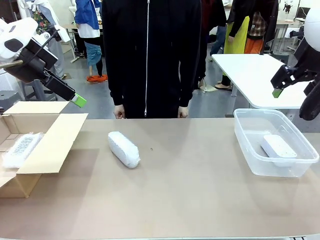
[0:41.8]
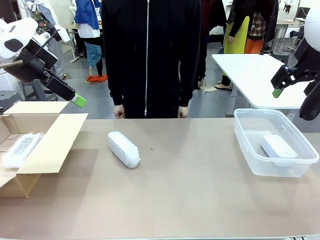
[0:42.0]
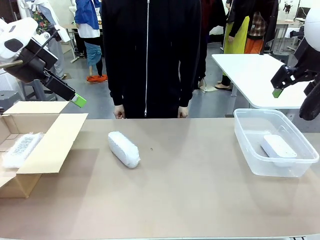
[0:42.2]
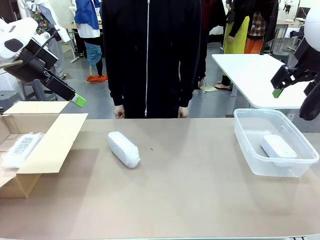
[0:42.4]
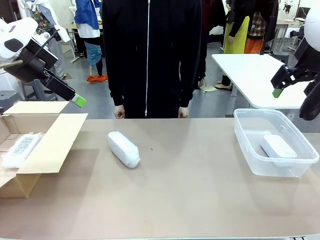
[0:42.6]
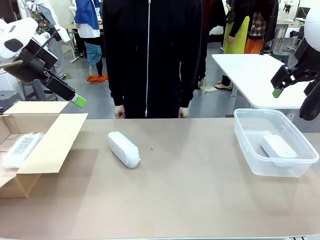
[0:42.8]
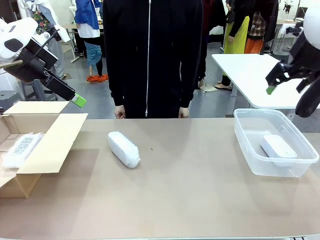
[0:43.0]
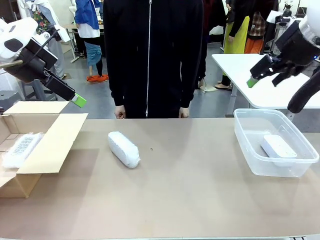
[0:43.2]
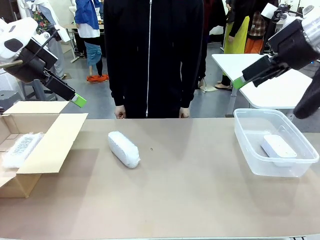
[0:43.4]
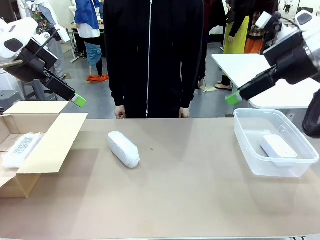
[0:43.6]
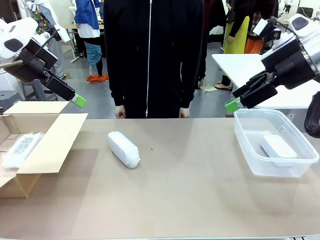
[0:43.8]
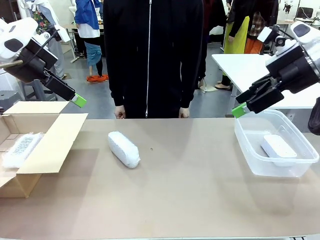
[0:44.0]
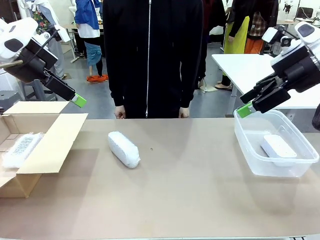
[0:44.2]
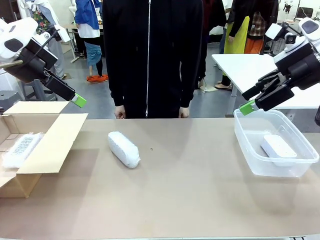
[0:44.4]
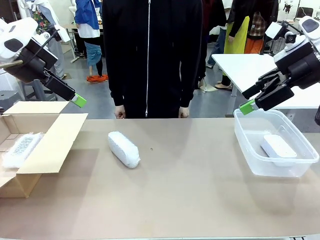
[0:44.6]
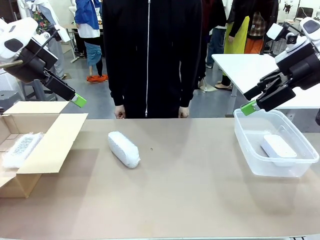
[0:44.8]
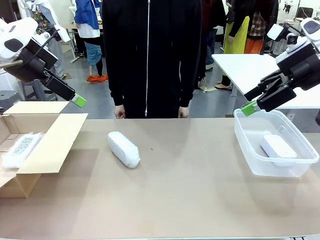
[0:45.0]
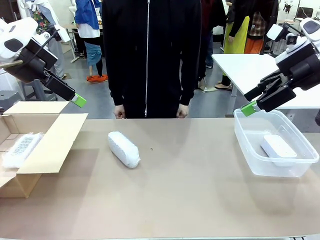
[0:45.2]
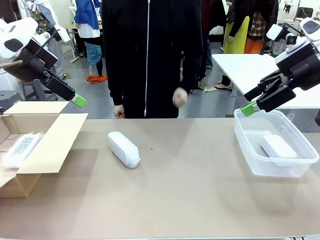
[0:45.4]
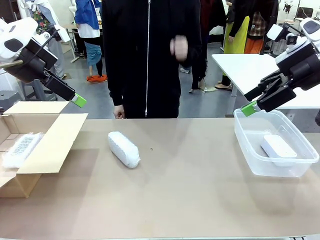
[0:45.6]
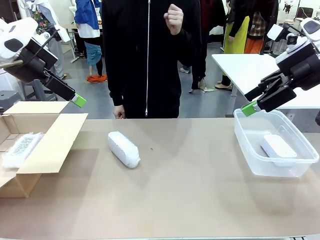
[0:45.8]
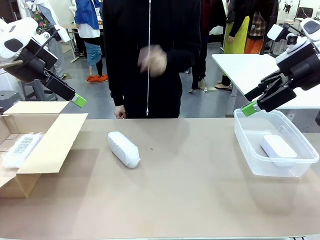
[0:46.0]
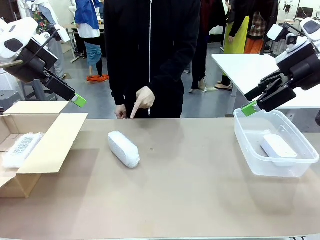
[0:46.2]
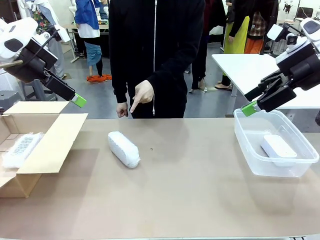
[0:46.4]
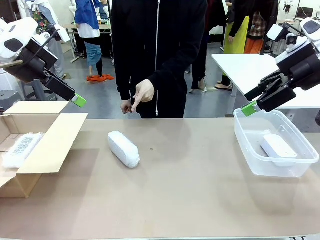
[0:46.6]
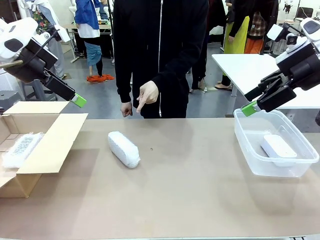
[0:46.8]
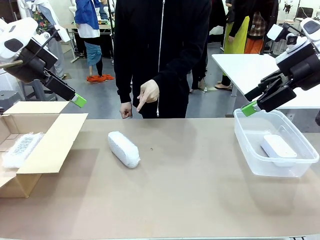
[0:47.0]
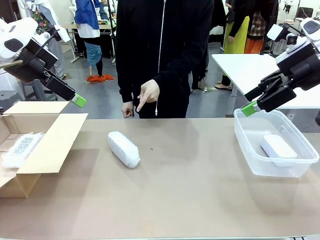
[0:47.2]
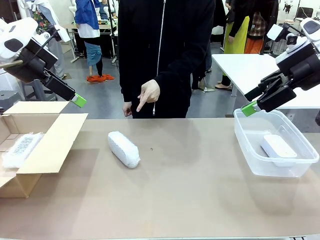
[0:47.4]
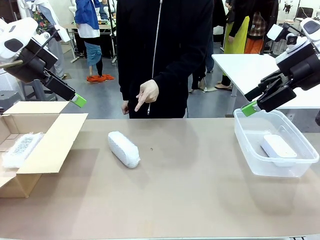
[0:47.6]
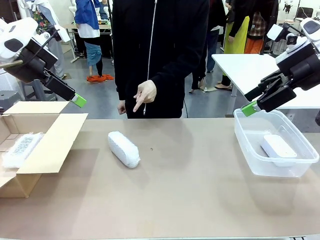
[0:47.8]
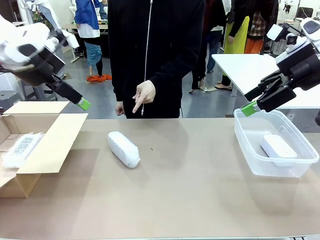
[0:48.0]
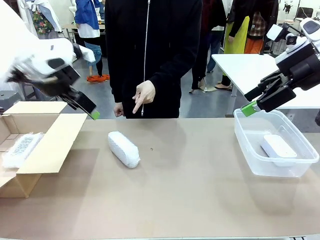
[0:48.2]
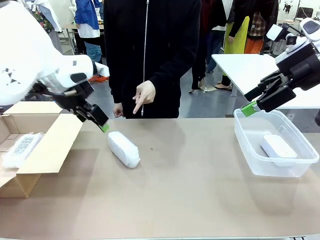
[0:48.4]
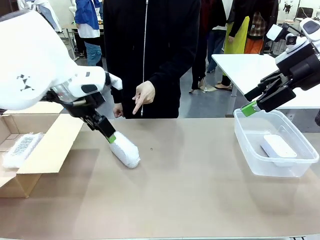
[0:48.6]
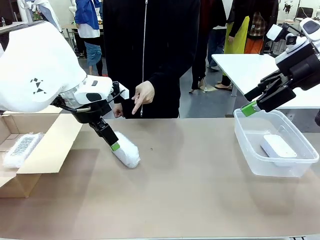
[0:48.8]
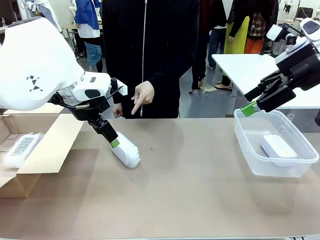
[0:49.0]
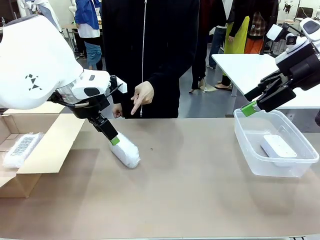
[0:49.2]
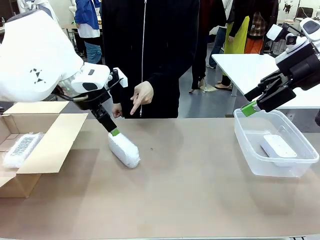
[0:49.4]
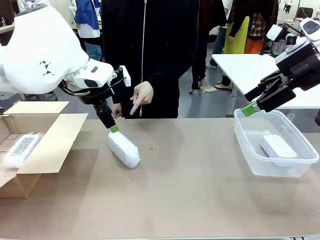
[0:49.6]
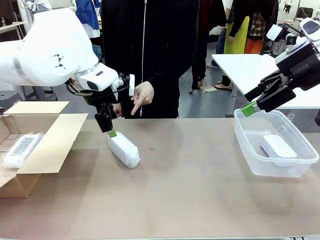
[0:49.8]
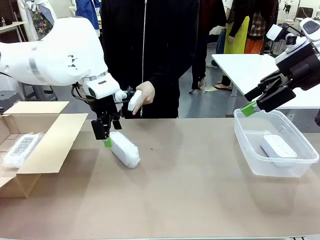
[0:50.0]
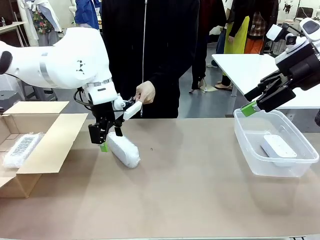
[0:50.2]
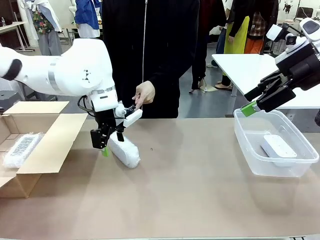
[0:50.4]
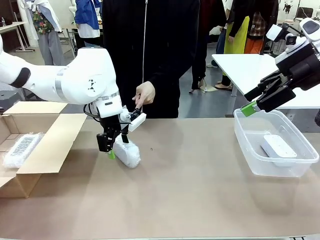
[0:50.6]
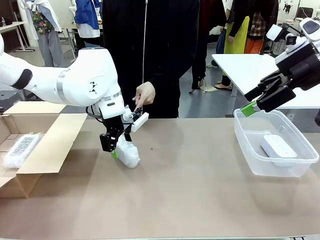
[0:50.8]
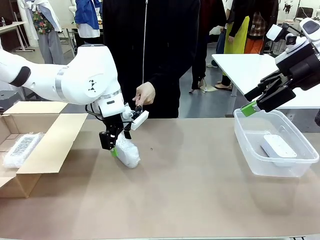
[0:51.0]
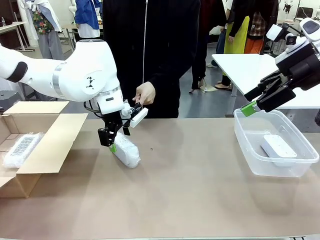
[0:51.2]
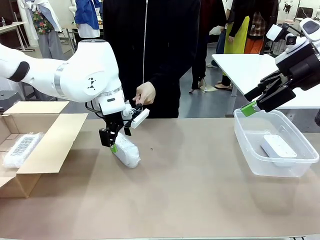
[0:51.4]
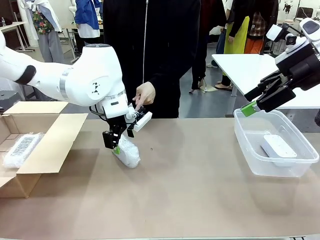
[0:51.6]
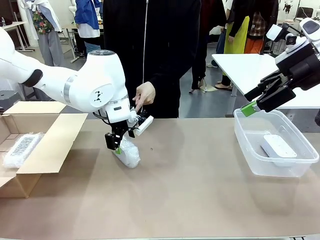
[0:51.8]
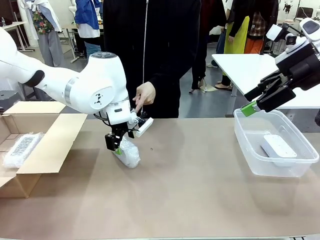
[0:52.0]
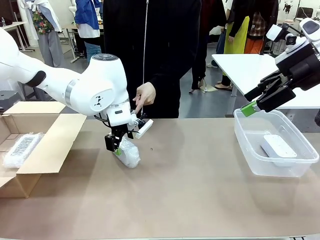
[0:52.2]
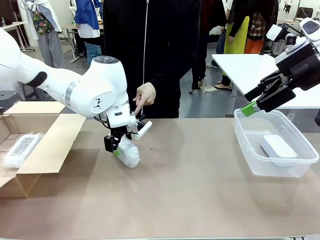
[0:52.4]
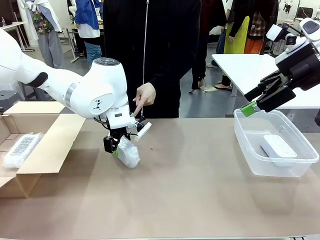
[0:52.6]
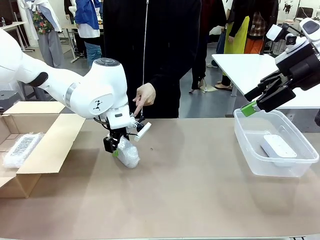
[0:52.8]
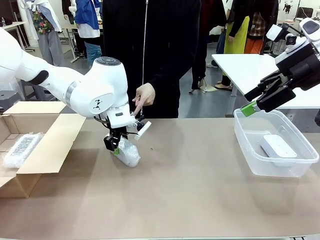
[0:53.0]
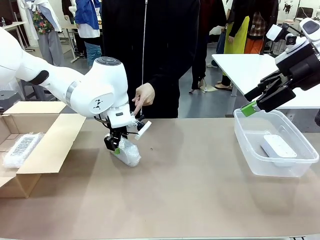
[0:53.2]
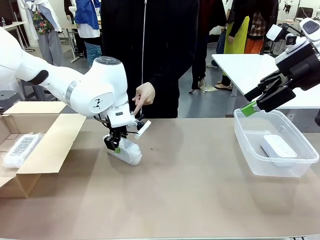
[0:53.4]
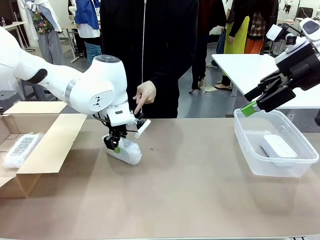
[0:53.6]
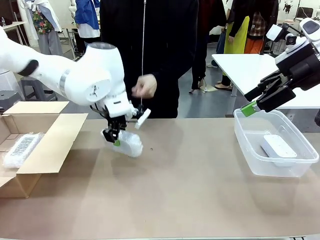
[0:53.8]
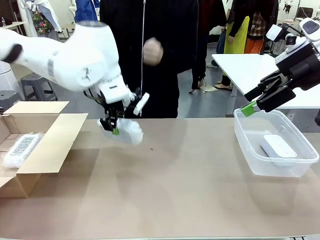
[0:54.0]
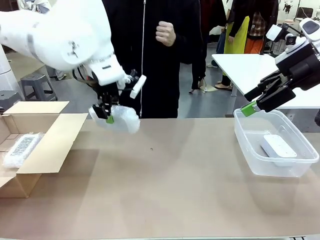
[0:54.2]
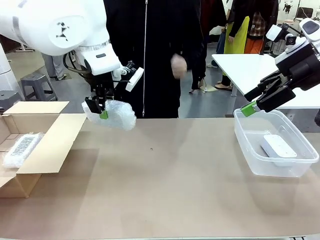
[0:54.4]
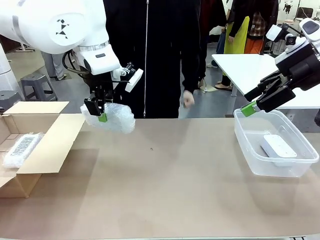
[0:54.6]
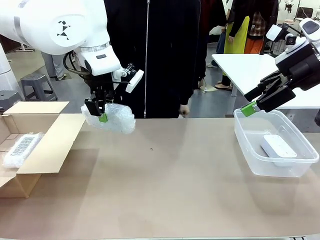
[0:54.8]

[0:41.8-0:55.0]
Task: Separate and place wrapped and unwrapped clocks.
Robot: Pick up the Digital clock indicated by the person.

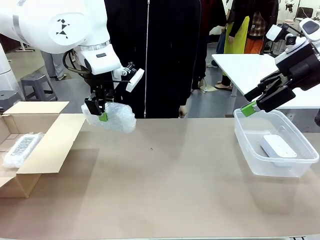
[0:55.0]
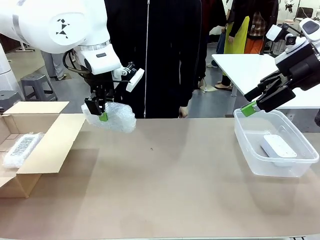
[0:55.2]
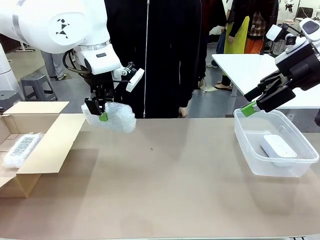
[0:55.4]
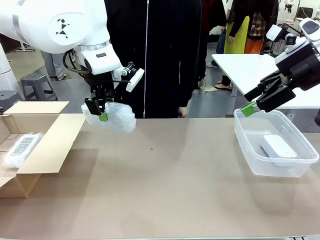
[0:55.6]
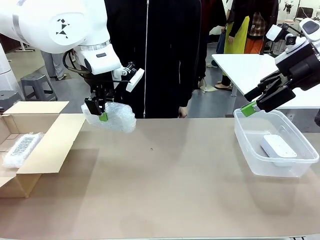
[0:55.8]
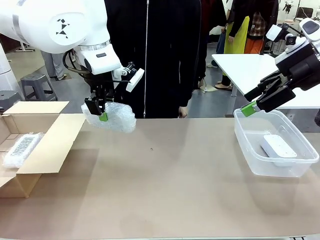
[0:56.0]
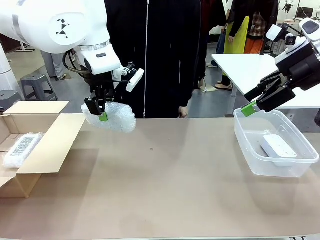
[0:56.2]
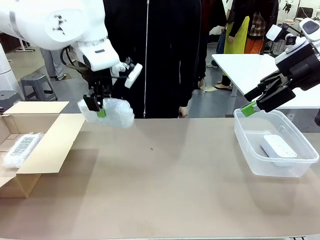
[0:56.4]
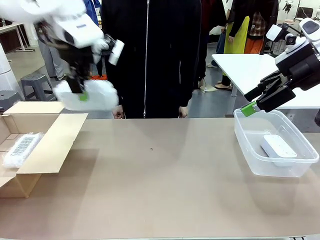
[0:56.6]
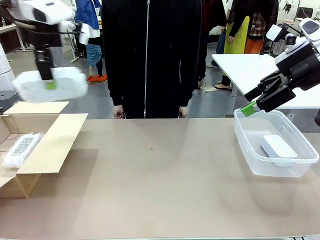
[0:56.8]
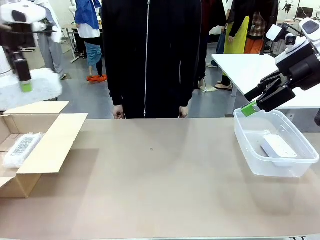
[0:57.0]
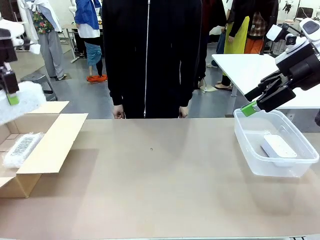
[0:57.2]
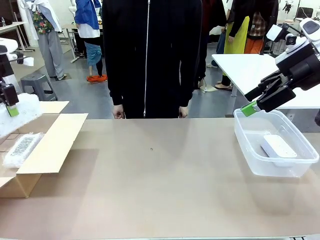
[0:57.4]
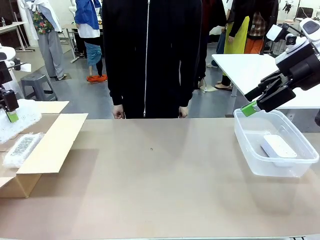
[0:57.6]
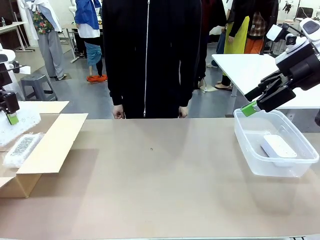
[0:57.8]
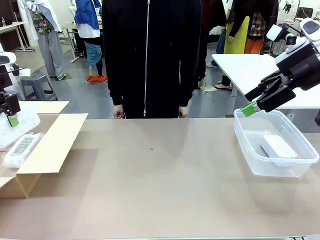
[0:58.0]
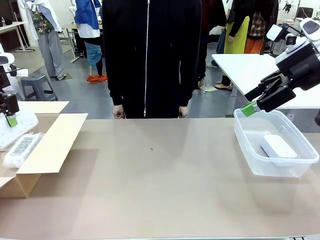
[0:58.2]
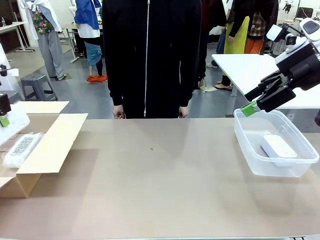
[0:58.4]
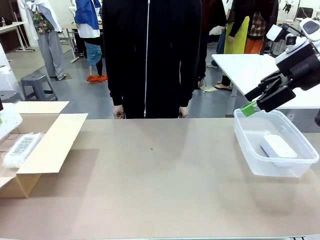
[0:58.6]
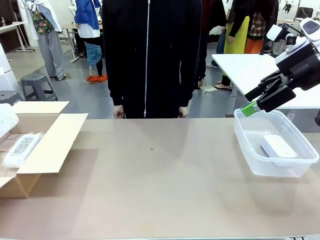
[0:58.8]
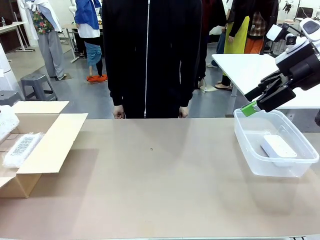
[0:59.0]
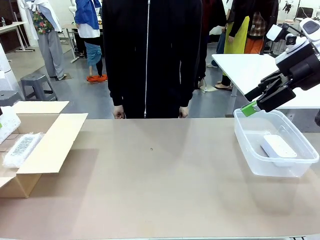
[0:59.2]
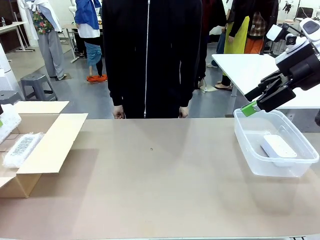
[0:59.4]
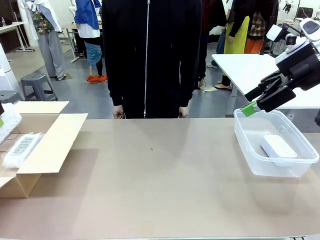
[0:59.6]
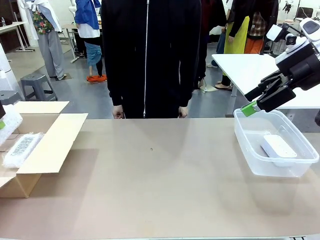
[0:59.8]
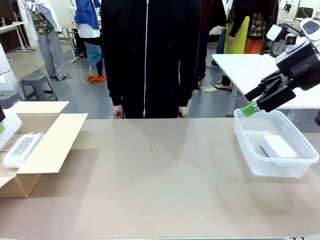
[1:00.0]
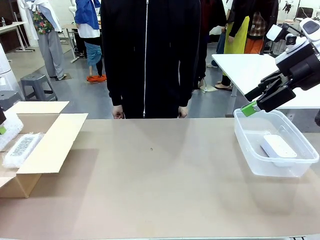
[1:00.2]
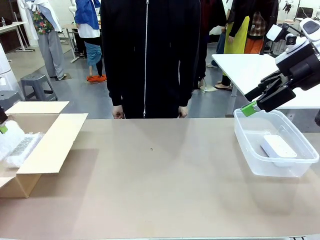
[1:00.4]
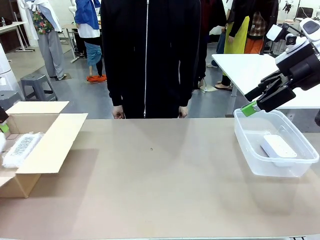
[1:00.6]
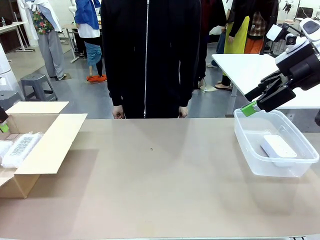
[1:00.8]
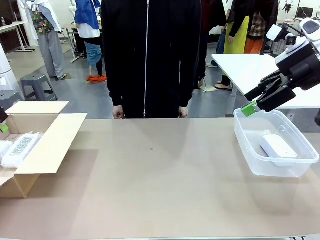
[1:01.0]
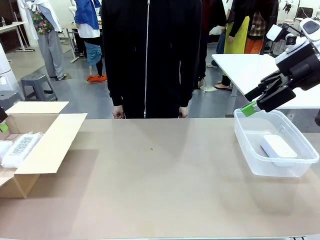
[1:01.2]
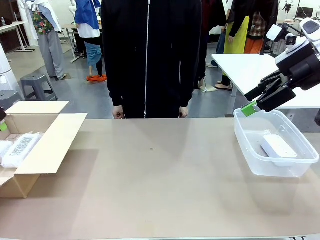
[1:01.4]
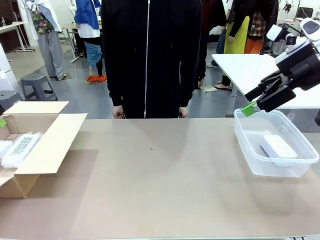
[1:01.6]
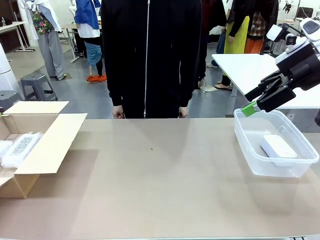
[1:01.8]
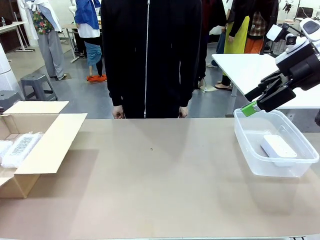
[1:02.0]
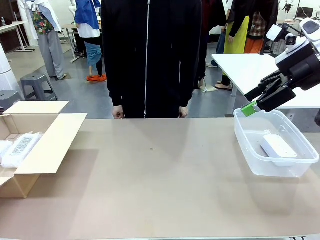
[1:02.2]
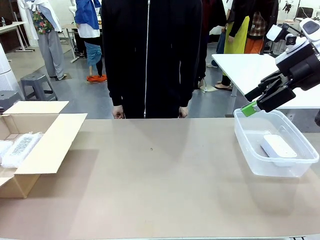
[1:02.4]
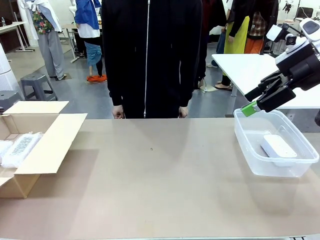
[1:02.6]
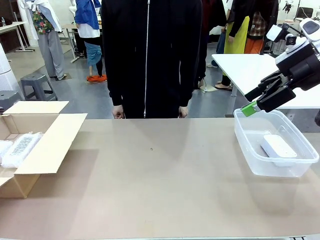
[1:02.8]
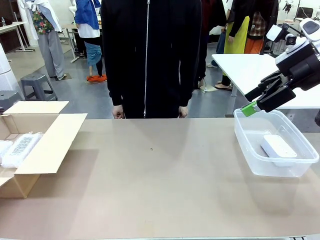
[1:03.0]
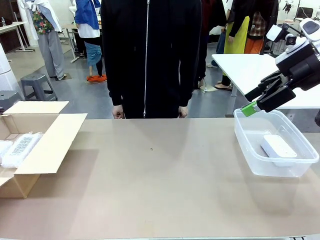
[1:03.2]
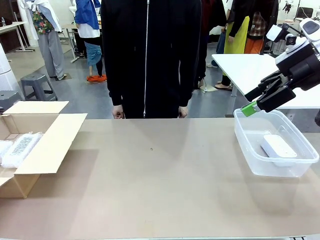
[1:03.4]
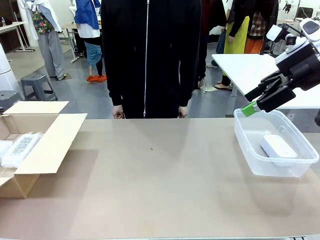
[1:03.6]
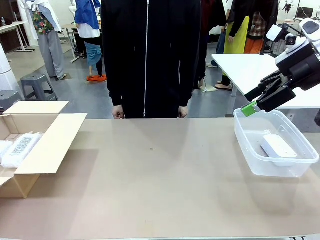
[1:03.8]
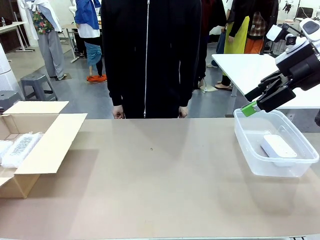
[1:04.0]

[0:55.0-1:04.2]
Robot: If the picked Digital clock is wrapped, place it in the Package Box ; if not, place it in the Organizing box.
